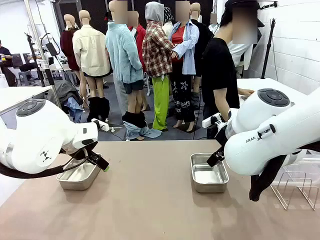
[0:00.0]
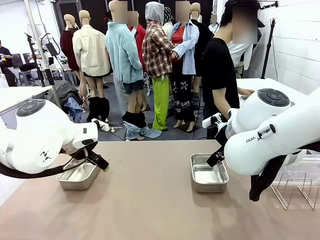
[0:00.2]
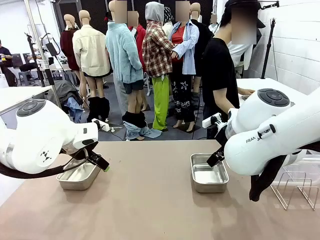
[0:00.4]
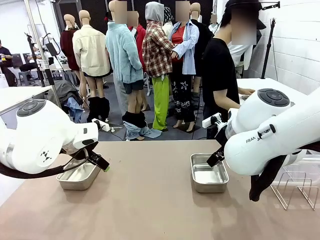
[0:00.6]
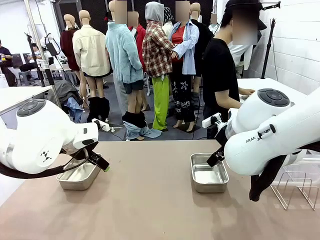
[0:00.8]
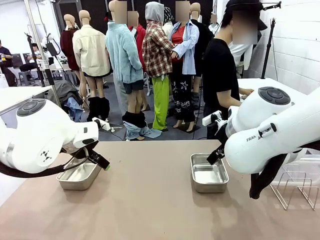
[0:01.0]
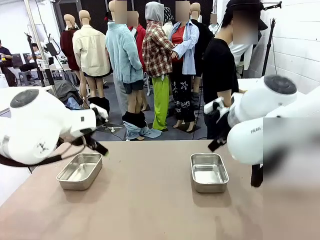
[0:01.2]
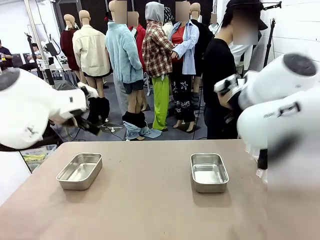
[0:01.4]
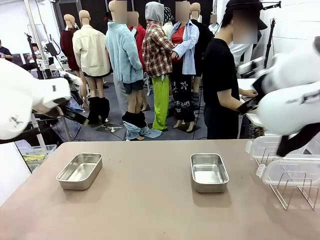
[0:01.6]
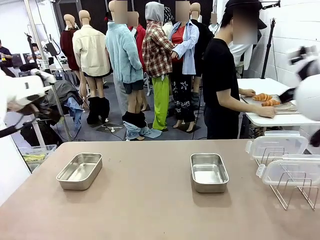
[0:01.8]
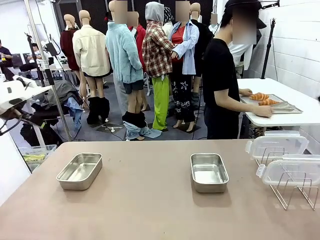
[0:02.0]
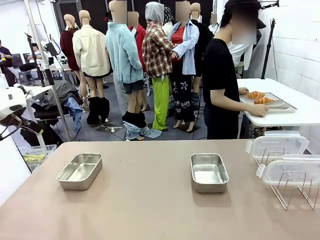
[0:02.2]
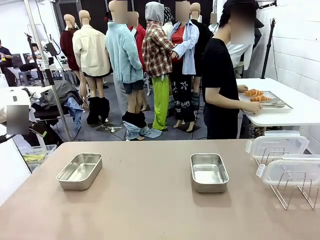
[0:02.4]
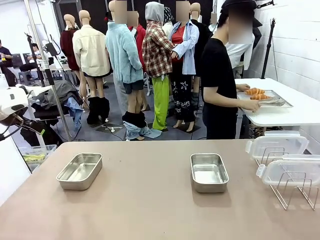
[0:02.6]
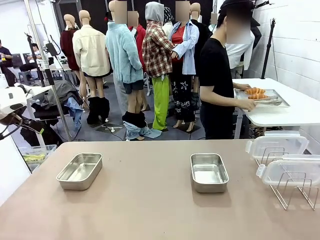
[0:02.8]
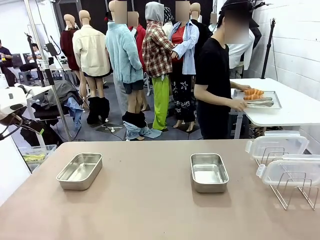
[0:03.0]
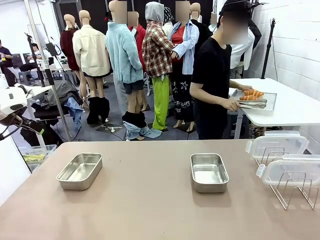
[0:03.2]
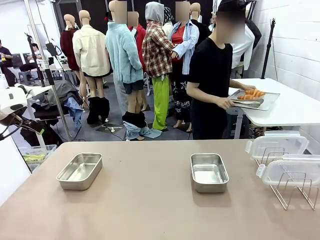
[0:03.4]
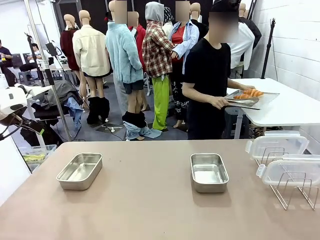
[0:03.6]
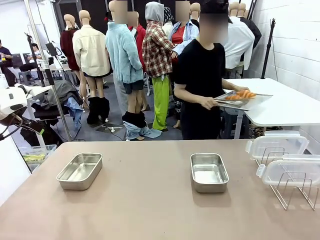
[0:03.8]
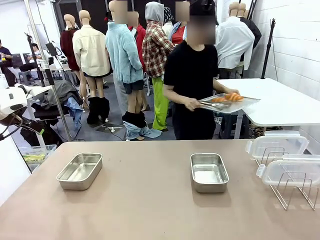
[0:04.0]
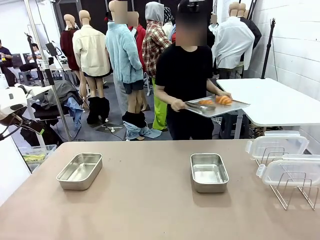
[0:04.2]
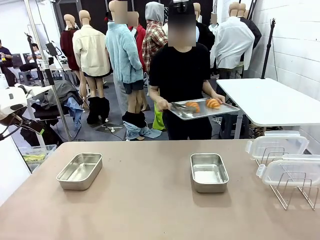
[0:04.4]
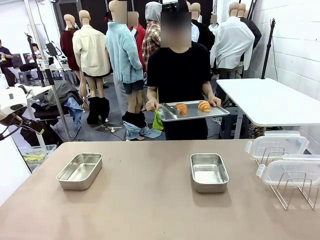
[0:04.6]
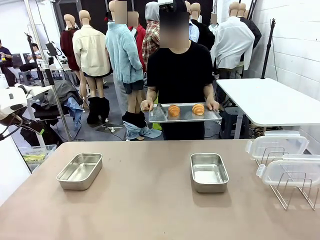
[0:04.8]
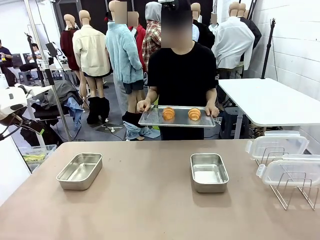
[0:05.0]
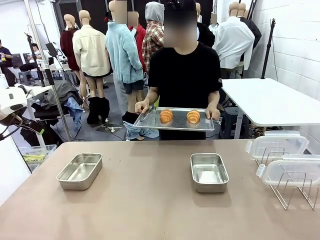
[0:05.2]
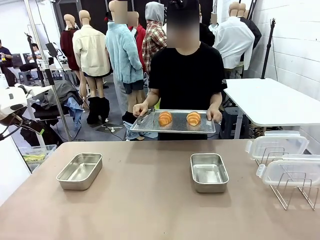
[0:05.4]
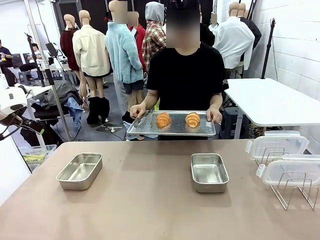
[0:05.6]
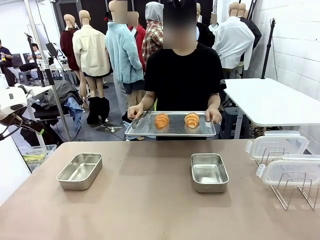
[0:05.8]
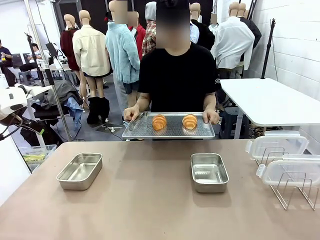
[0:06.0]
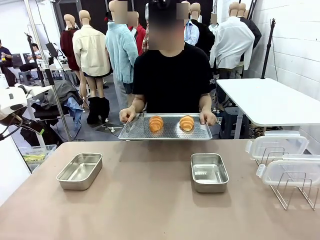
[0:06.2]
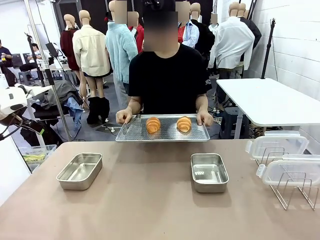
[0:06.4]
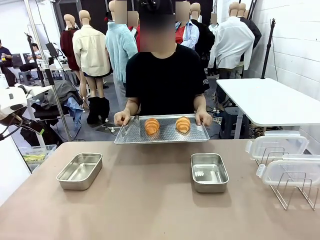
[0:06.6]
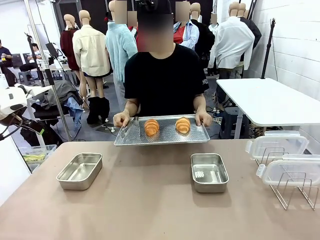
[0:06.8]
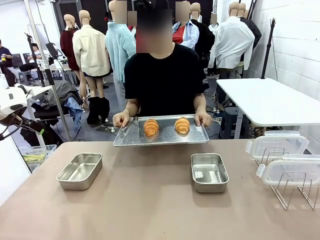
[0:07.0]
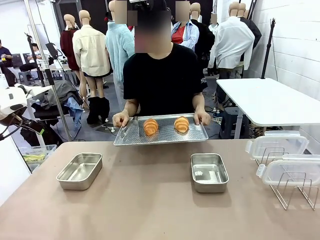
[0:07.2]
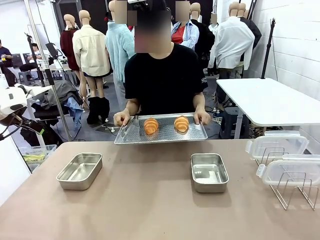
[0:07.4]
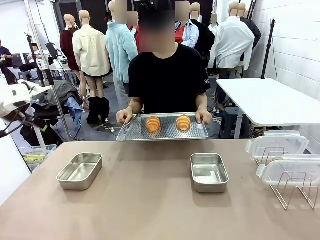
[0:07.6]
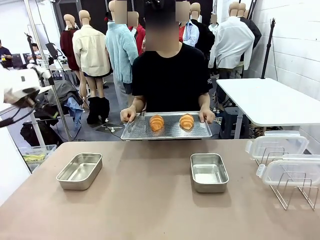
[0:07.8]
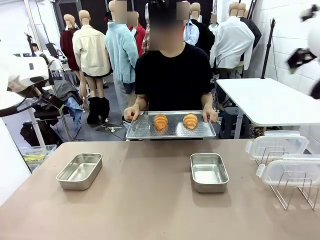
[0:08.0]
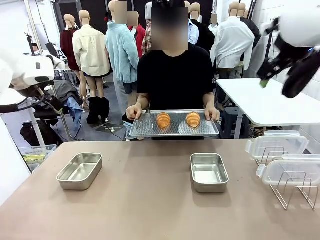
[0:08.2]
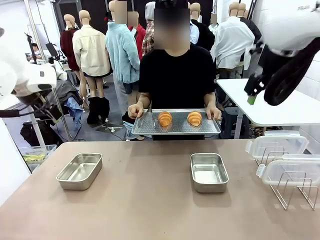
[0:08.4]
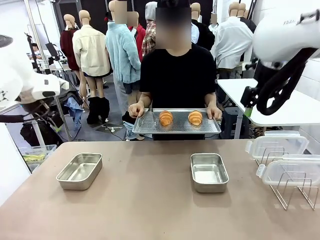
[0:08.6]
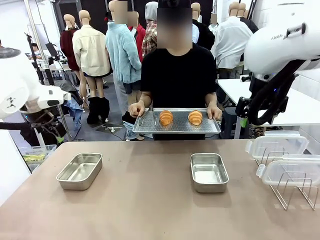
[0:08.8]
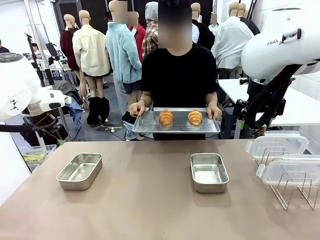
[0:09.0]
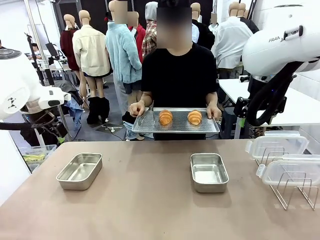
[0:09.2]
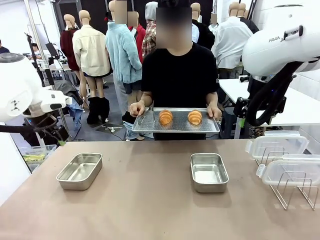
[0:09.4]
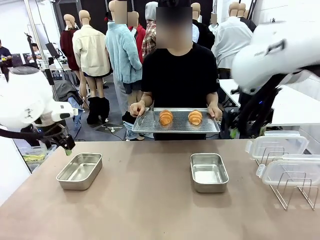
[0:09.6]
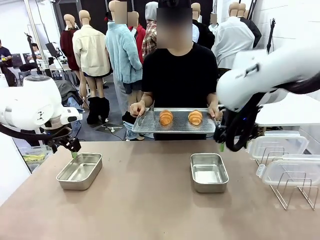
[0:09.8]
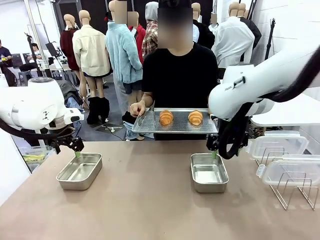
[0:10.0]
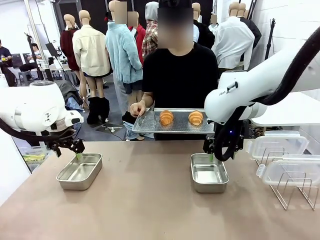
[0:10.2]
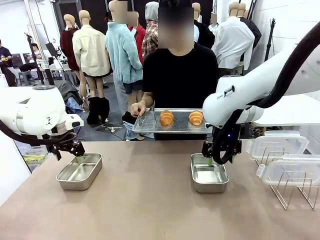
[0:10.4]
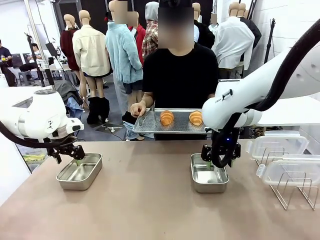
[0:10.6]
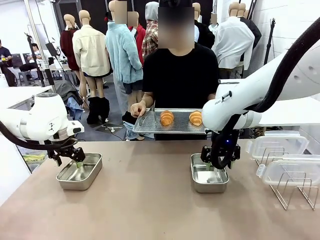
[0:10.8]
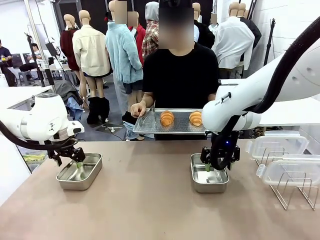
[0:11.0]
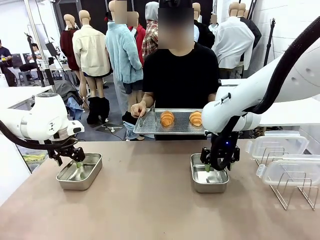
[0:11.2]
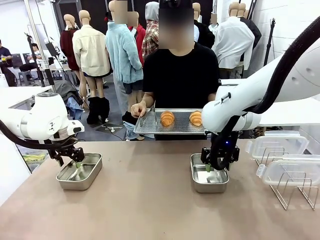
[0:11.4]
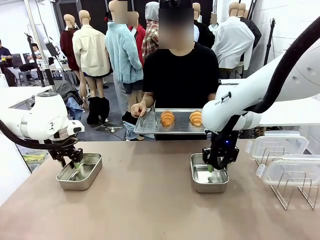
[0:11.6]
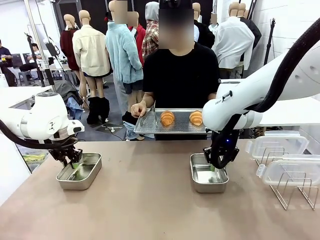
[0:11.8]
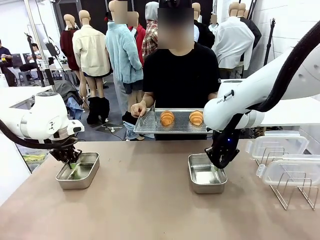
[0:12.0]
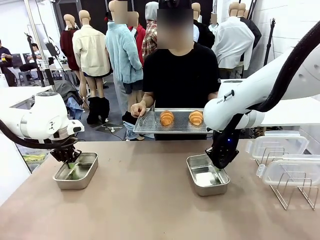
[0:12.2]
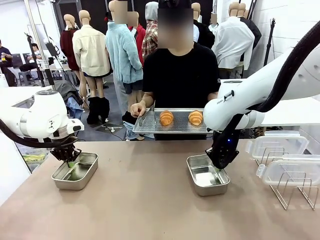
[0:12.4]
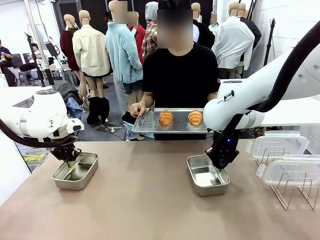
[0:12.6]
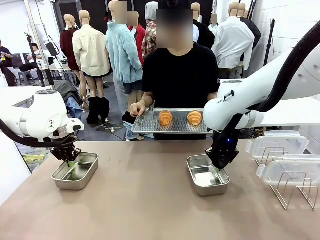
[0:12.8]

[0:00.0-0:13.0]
Task: Place the bread in airtight containers.
Robot: Lift both Airtight Container.
Person: Bring the Baking Sheet in front of Robot's Table.

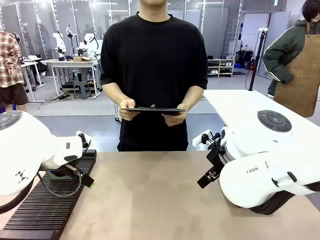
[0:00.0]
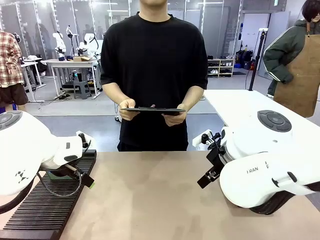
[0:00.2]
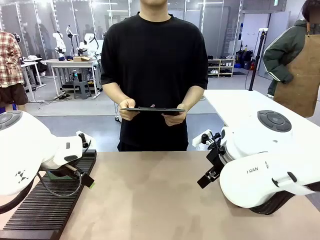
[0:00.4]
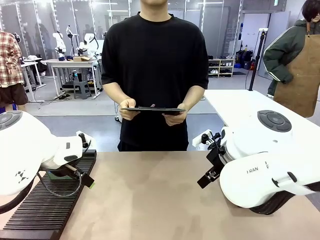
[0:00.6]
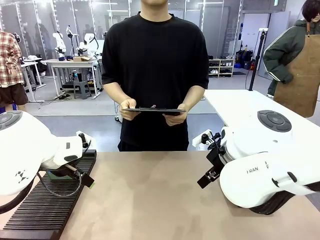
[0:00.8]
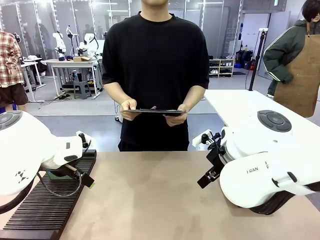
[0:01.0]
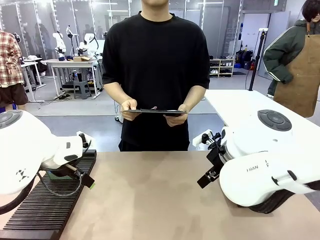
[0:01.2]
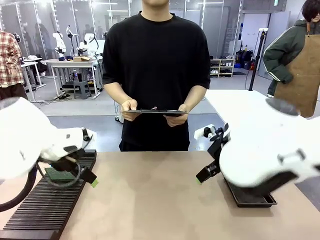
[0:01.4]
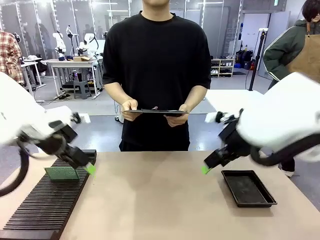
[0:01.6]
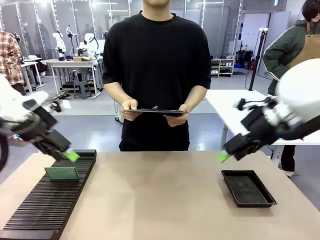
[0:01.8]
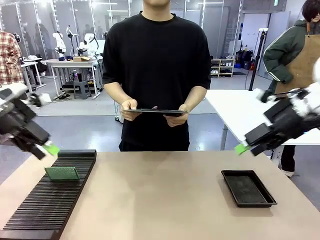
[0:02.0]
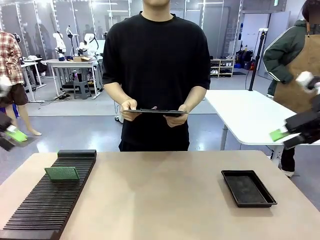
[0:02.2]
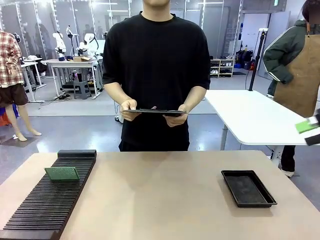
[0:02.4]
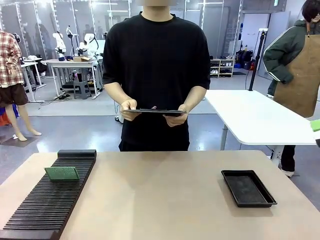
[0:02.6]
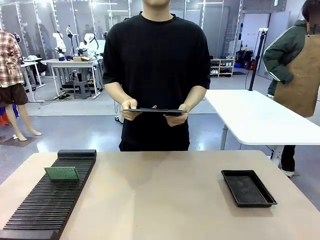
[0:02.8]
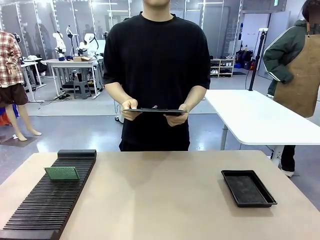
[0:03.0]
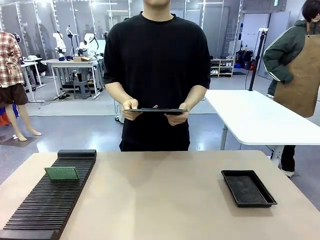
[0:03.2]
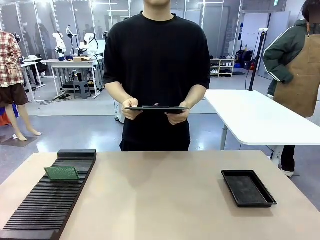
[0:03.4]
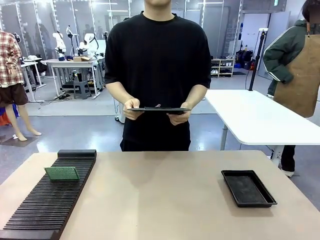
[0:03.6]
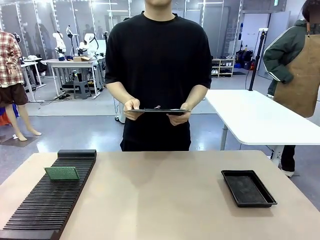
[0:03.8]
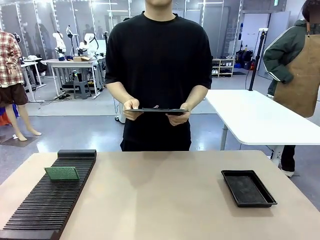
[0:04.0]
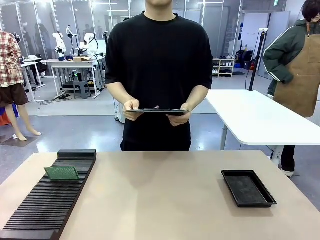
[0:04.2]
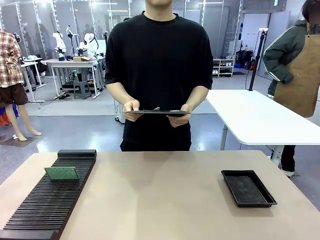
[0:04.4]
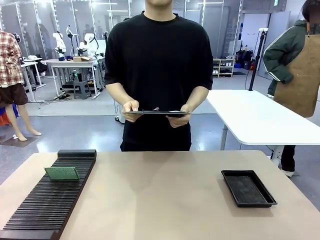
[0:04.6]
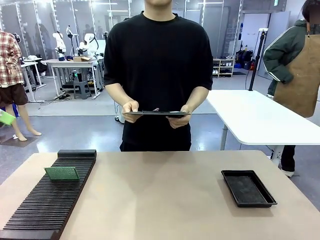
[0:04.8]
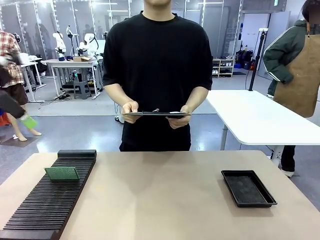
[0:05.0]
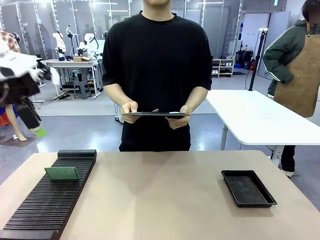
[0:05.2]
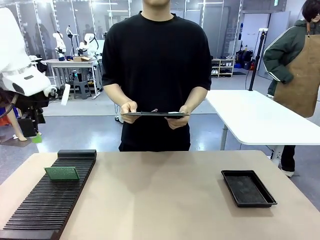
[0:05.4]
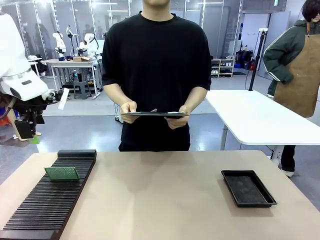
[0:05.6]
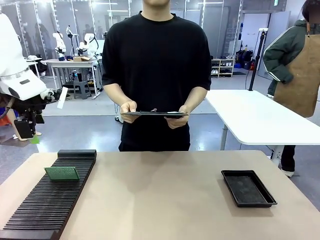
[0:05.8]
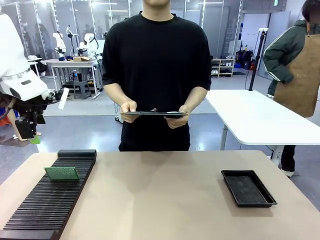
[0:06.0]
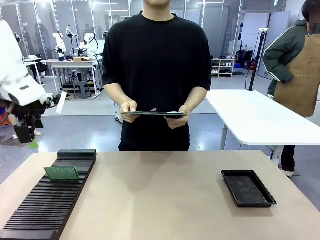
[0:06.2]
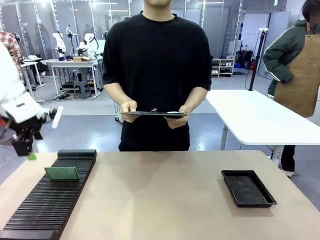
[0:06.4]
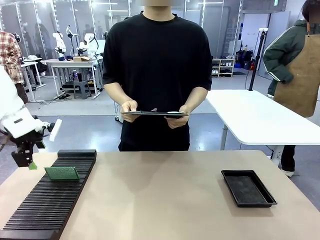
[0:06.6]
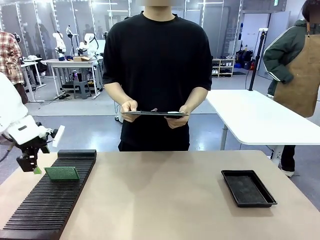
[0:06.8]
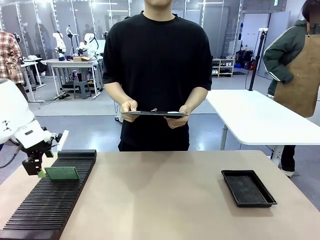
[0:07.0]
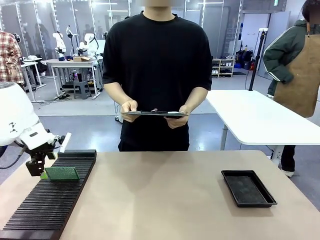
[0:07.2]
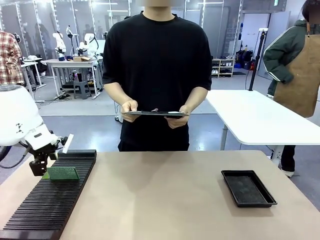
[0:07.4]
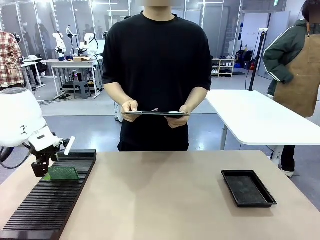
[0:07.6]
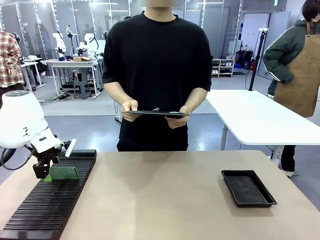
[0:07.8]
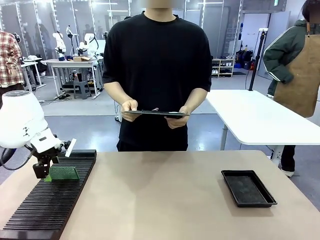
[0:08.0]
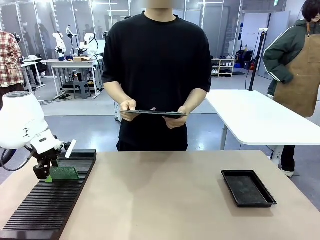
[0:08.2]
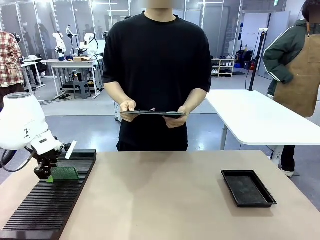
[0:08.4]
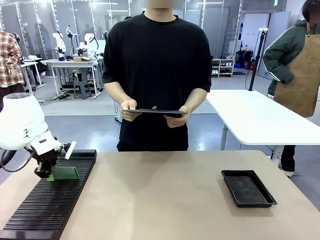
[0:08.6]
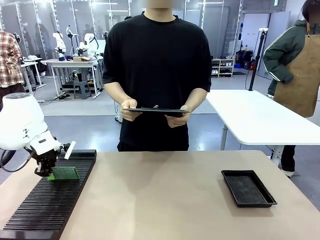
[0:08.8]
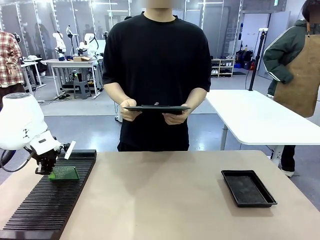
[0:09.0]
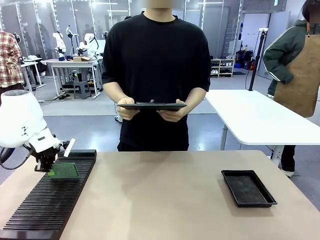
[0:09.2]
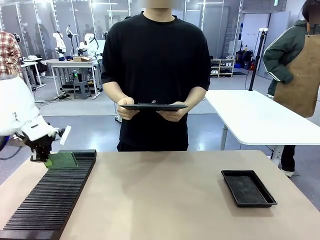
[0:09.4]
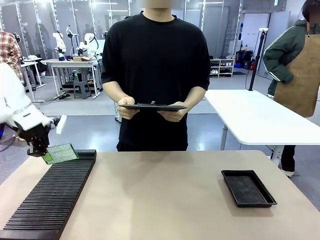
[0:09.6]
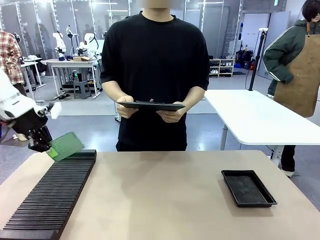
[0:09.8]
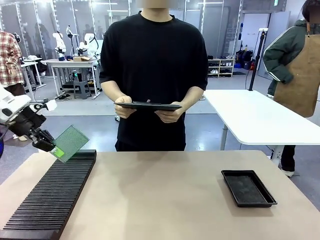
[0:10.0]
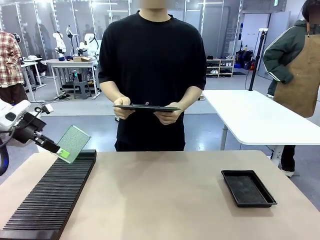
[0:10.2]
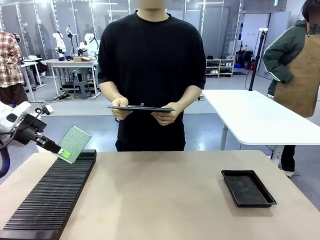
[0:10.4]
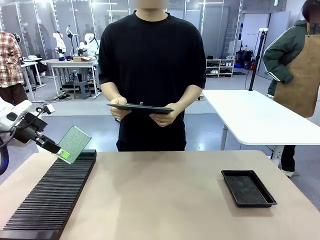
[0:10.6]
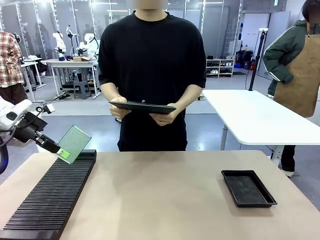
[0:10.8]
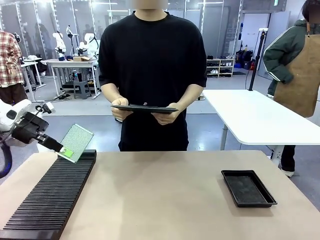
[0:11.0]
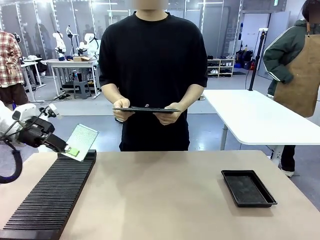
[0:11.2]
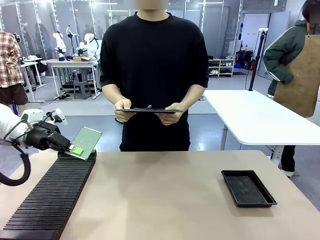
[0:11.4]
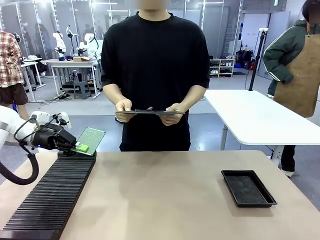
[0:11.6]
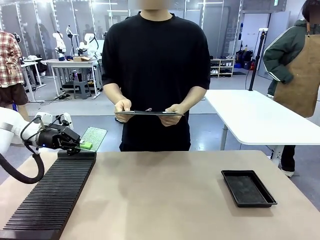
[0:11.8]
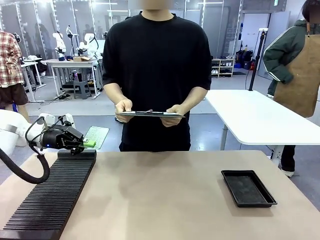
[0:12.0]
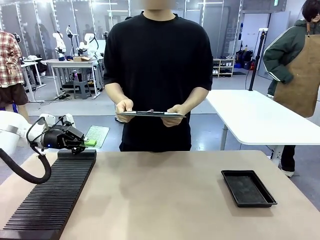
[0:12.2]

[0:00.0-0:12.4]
Task: Inspect the PCB.
Robot: Pick up the Blank PCB and present it to the human.
Person: Pick up the PCB presented by the robot.
